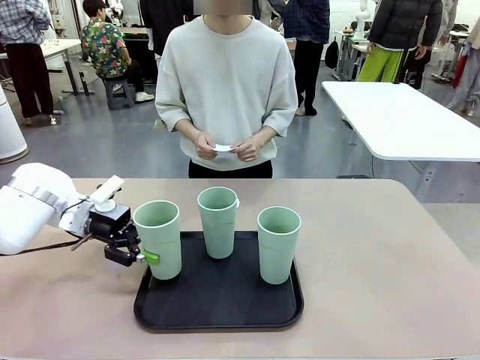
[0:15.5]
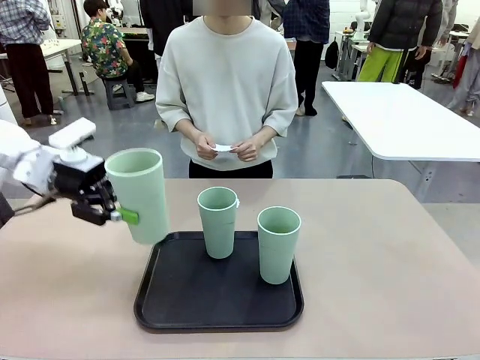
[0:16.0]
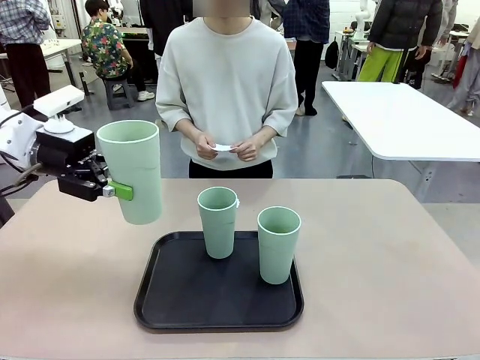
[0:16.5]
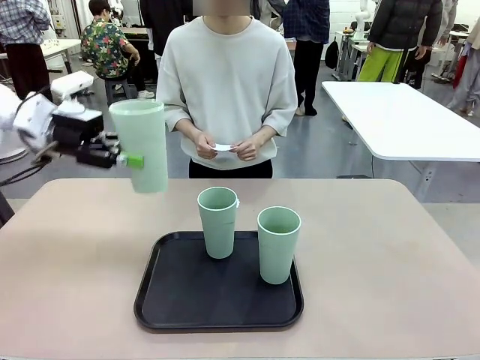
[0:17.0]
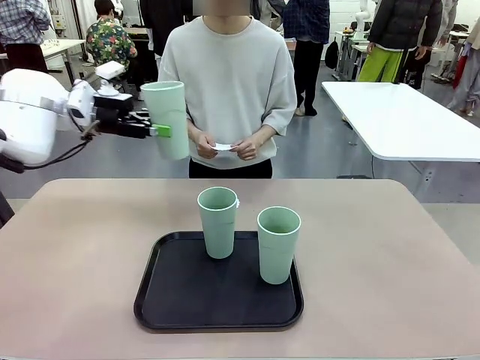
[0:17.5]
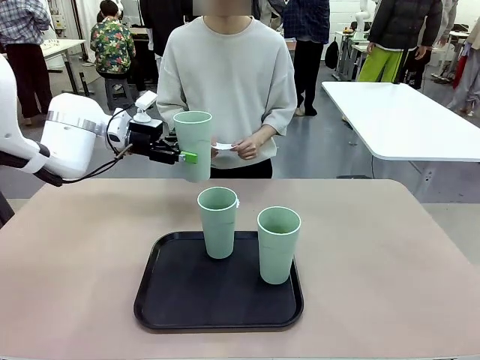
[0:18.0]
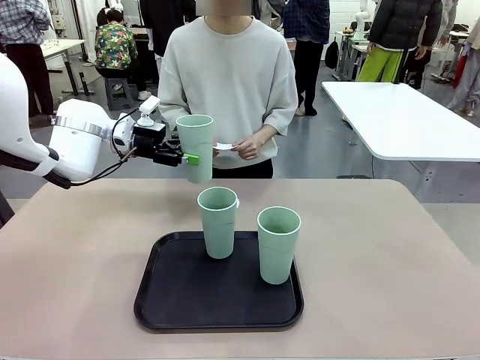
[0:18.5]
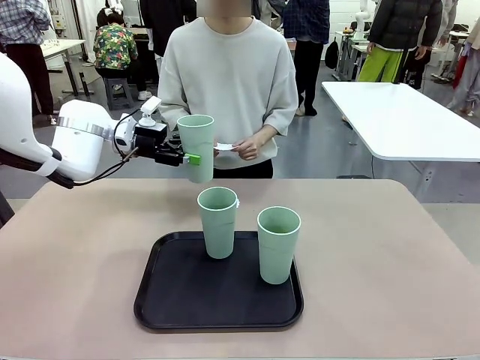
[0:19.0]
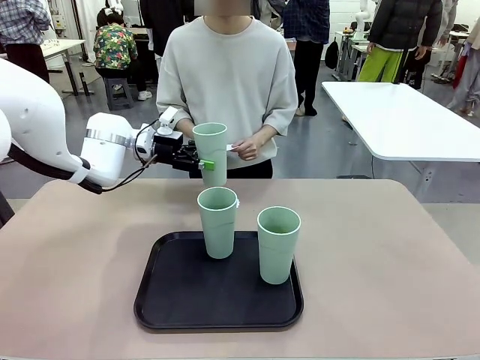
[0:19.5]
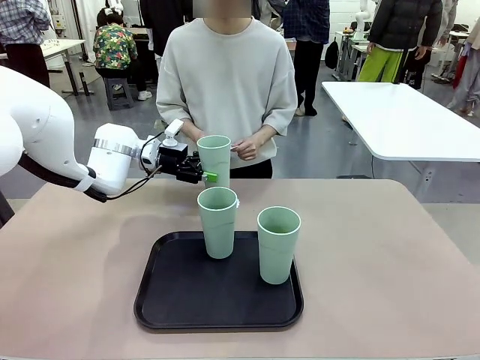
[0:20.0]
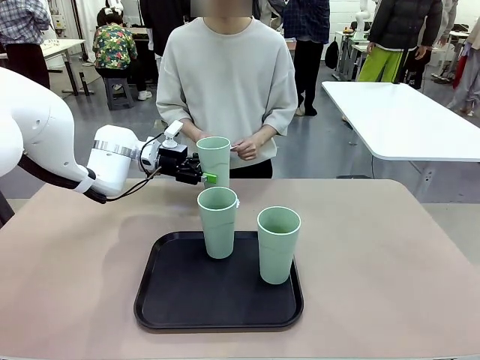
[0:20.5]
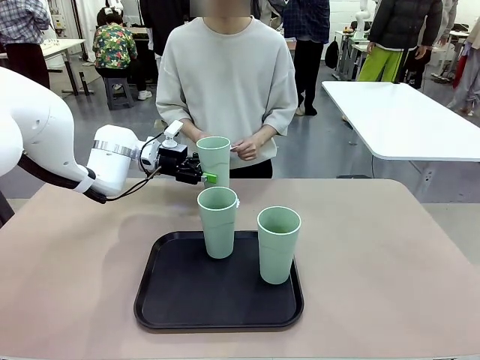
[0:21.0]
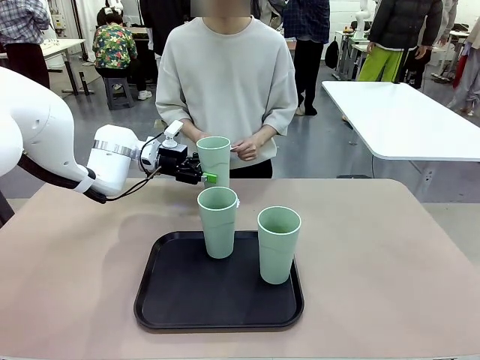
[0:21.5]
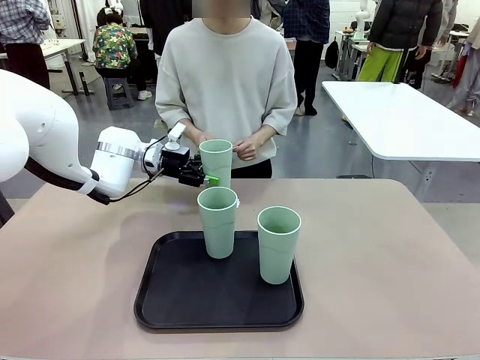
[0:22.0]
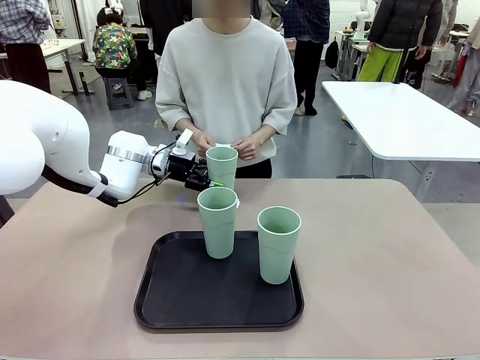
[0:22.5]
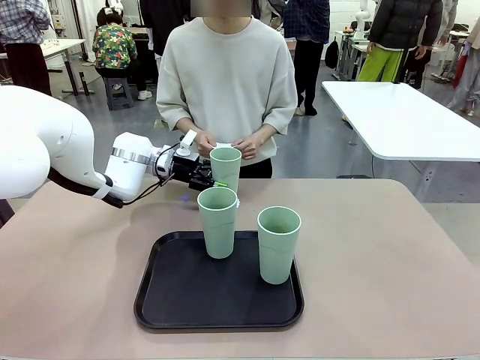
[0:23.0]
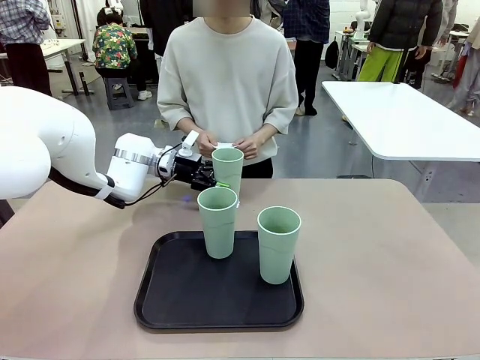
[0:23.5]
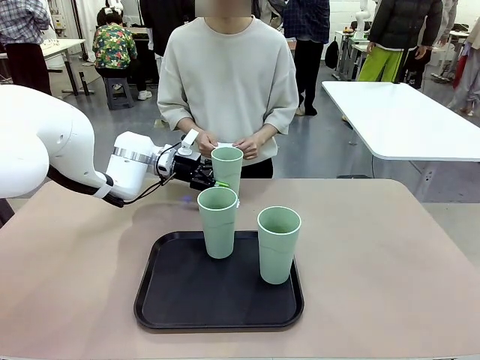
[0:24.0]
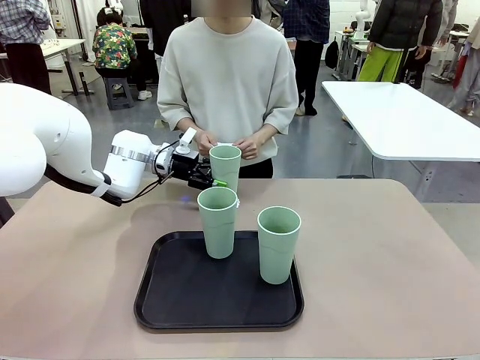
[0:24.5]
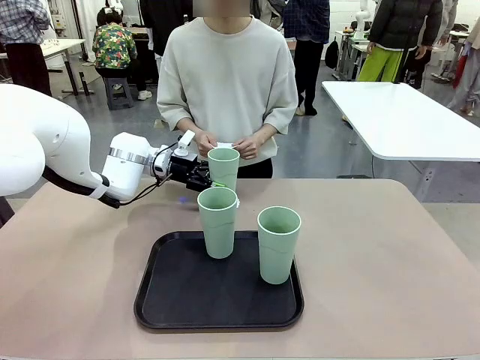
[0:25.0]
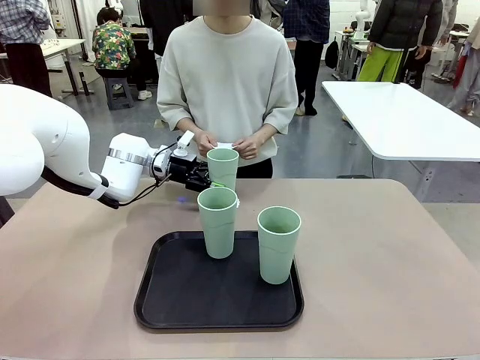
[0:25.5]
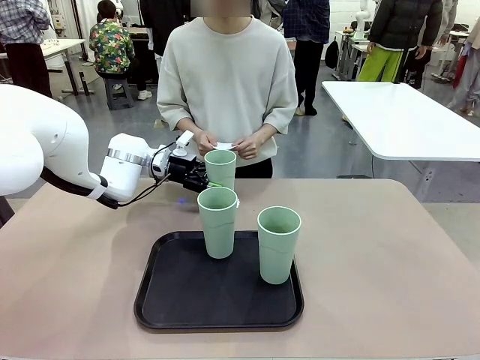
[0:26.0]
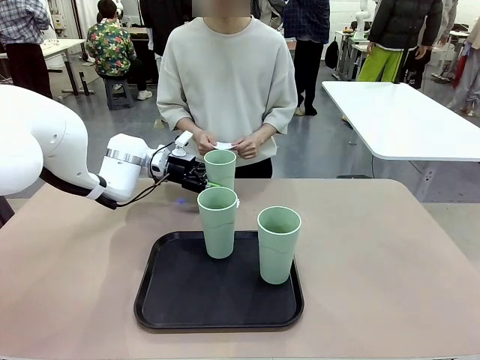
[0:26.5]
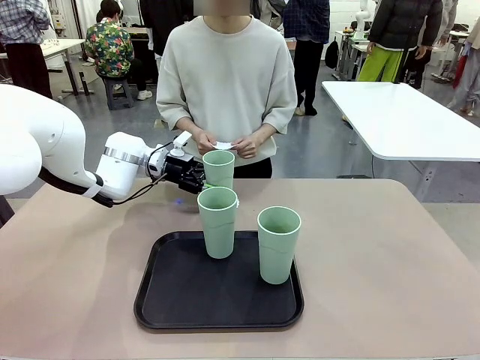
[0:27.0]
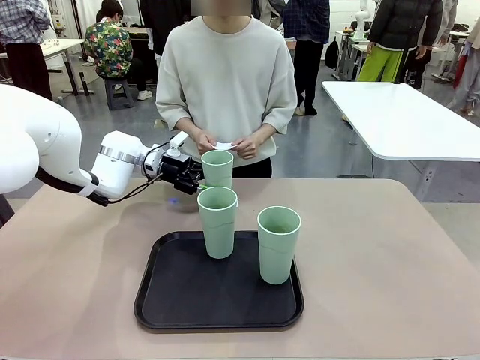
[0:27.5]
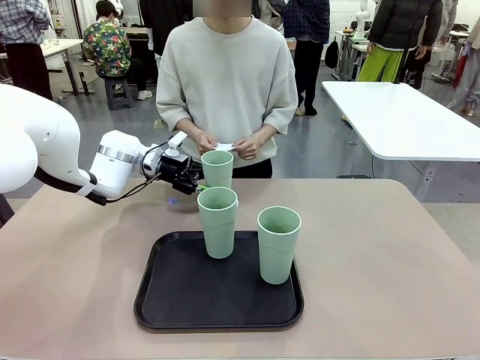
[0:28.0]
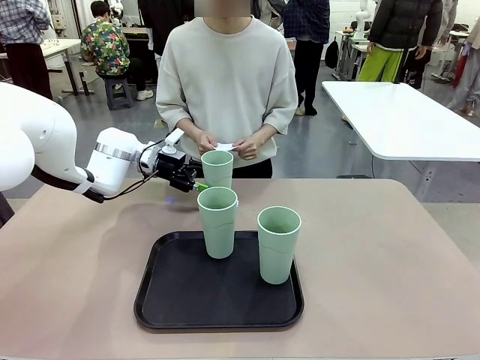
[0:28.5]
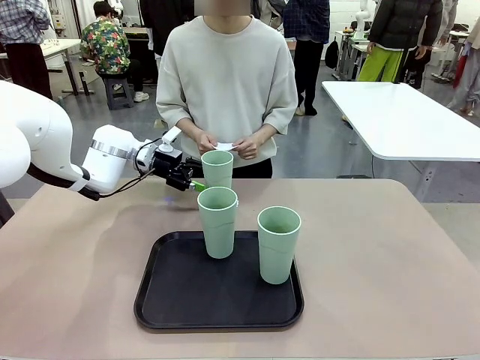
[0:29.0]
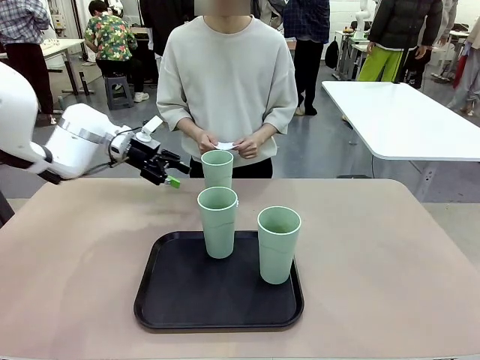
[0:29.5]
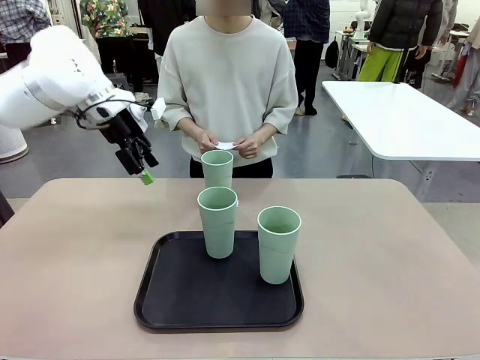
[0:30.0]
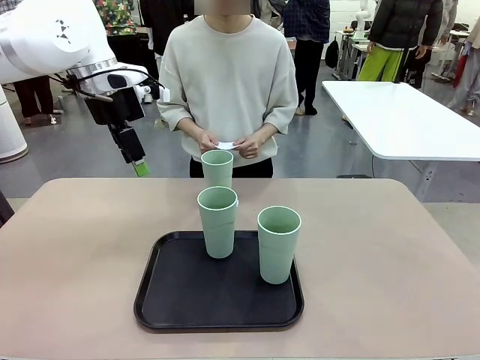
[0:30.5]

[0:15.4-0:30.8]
Task: Place coasters on the table and set cups on them.
Robot: Pick up one Reusable plastic cup and place it on a coaster set by the human.
Person: Place one coaster in one of the two areas excluding the previously selected area.

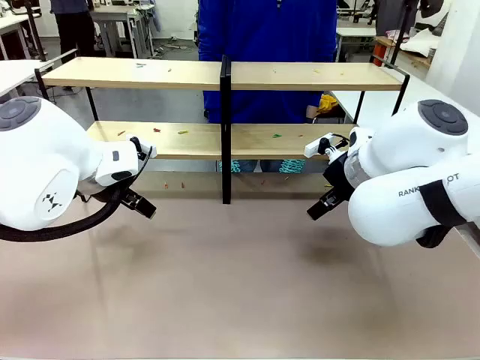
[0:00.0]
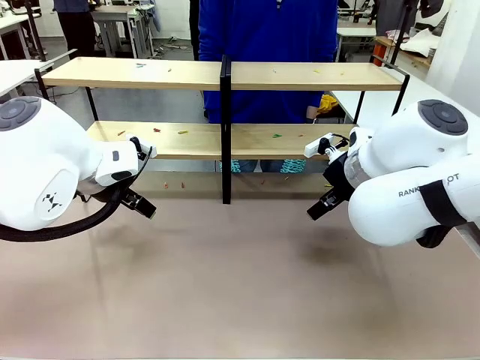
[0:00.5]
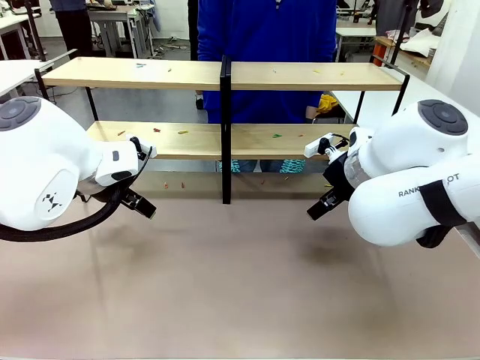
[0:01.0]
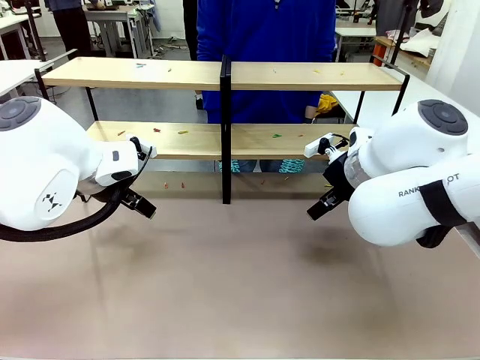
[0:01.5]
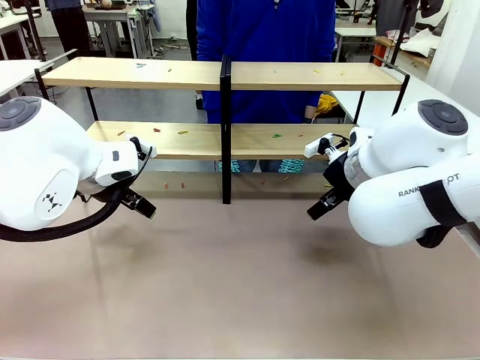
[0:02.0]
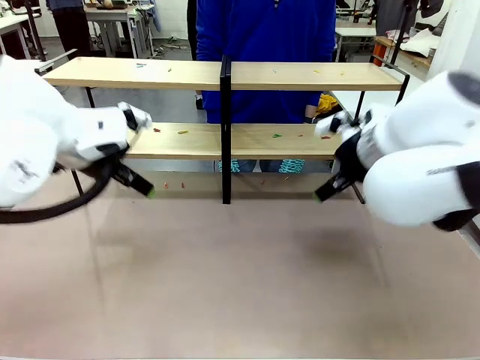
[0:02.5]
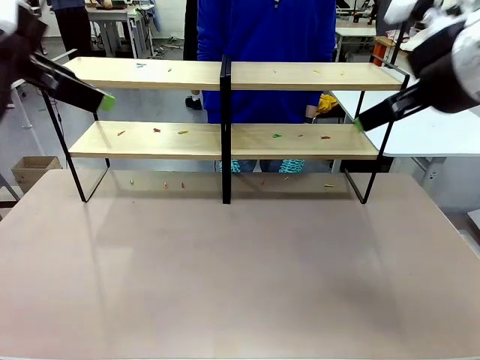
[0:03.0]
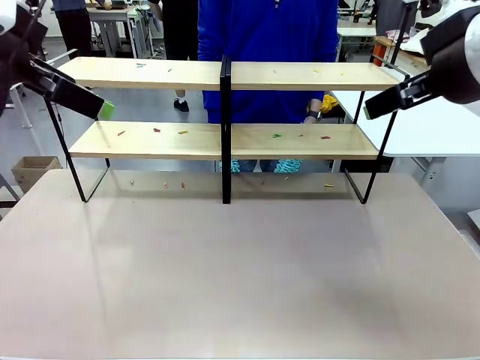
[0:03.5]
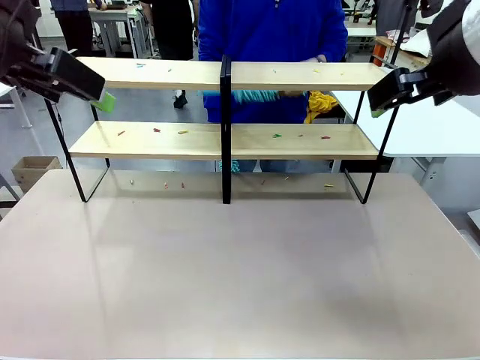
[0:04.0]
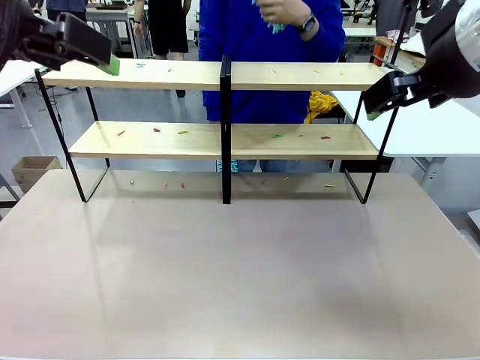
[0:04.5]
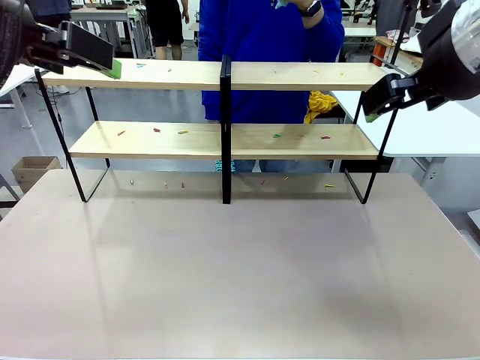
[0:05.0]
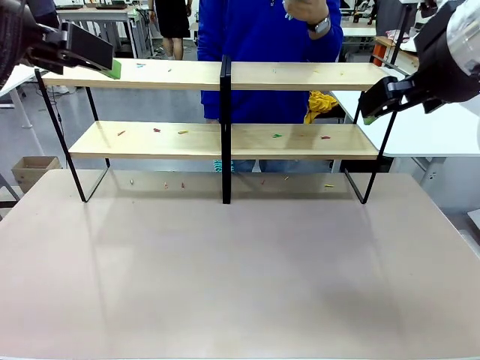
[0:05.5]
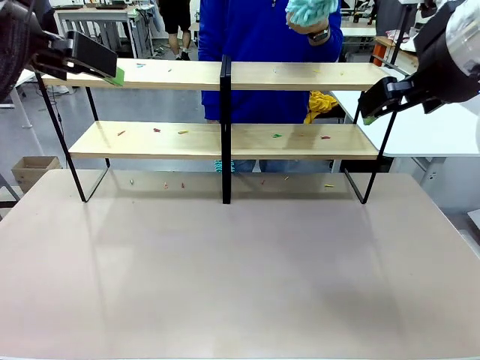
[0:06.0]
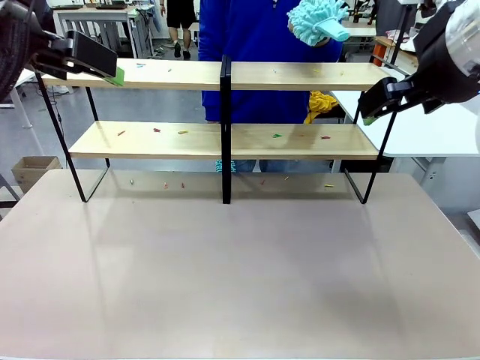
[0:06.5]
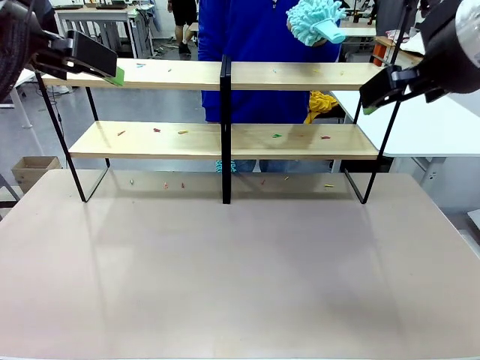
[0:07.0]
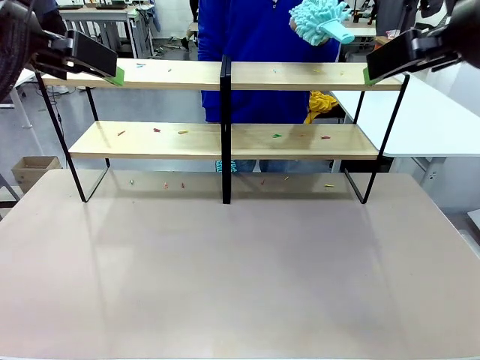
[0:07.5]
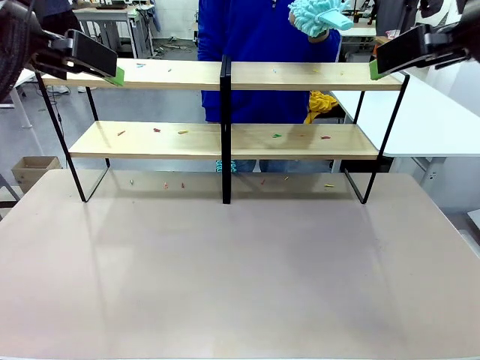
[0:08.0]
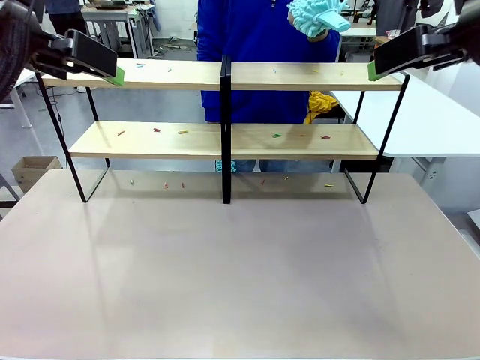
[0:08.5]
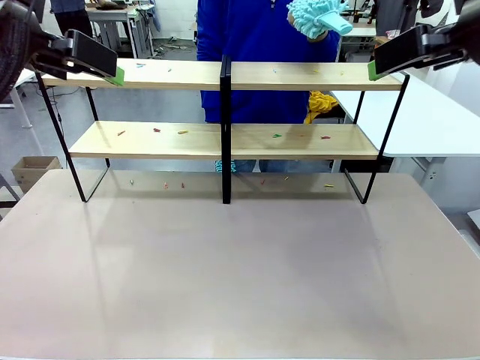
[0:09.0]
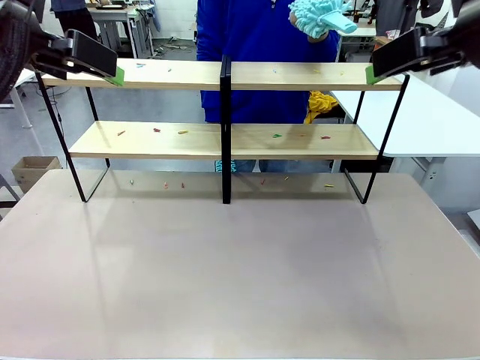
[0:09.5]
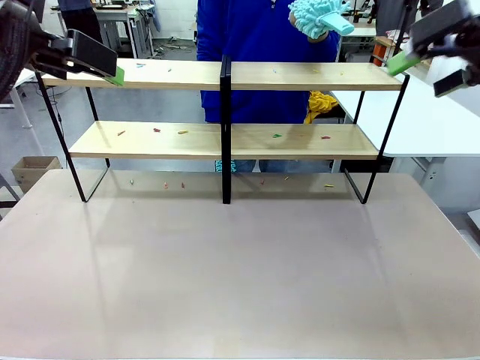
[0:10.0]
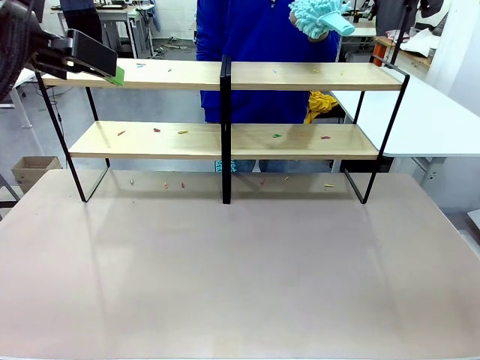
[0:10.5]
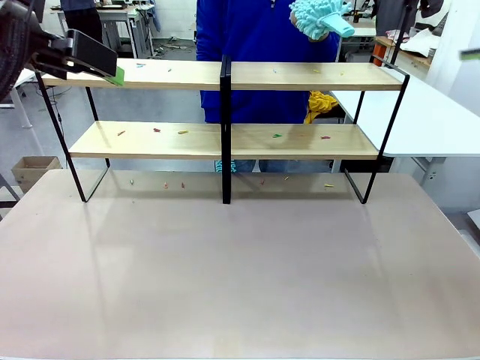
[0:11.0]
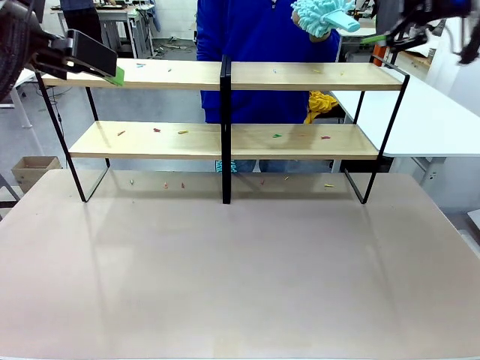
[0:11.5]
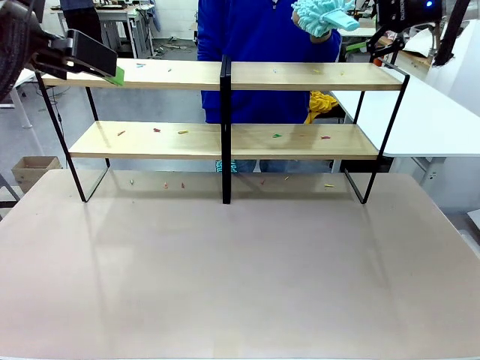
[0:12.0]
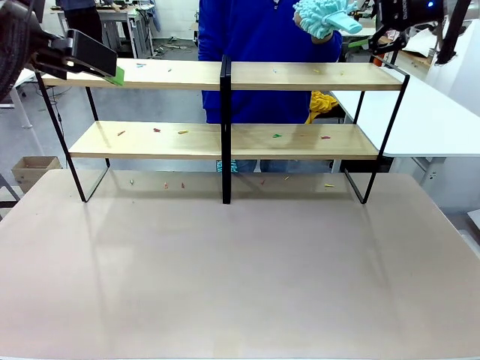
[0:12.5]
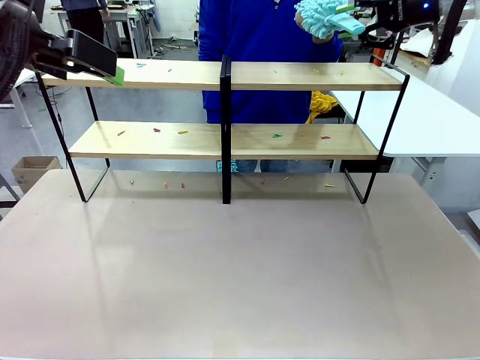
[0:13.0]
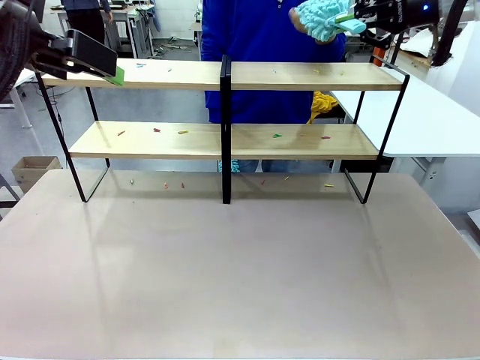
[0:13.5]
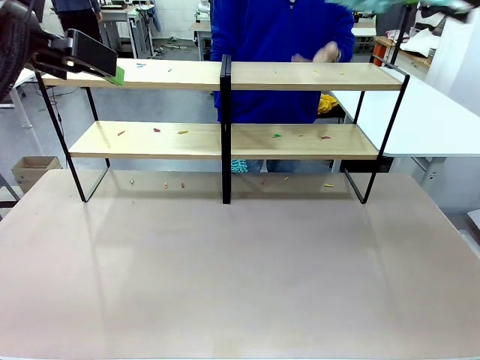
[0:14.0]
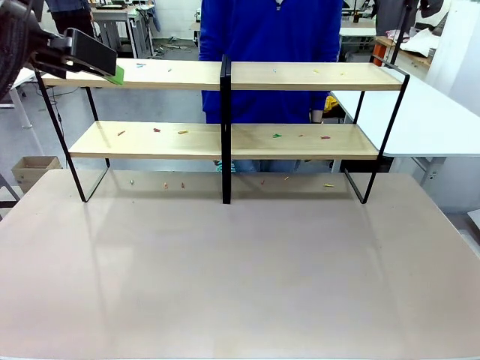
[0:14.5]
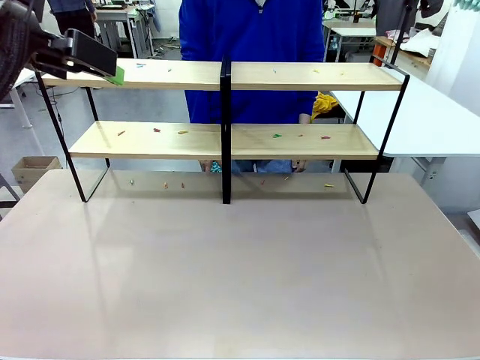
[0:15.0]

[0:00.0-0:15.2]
Task: Clean the shelves.
Robot: Pick up the Duster when the human hands it over.
Person: Hand the Duster to the robot with your right (or left) hand.
